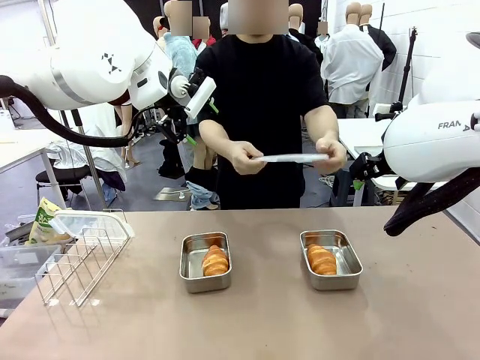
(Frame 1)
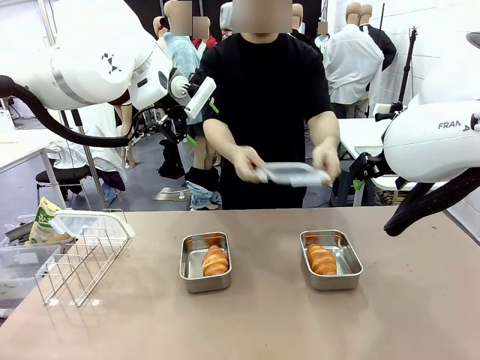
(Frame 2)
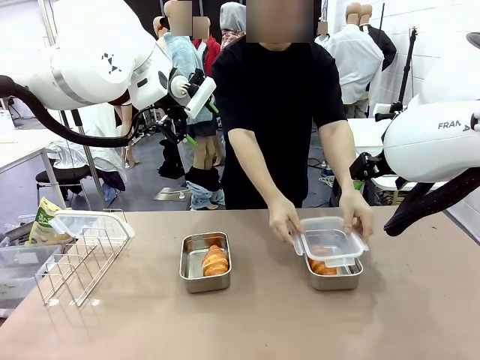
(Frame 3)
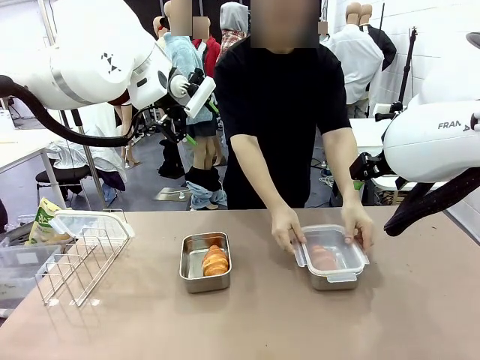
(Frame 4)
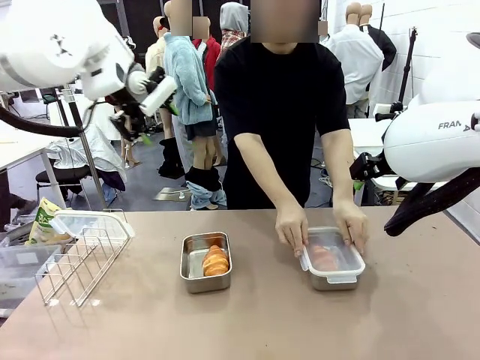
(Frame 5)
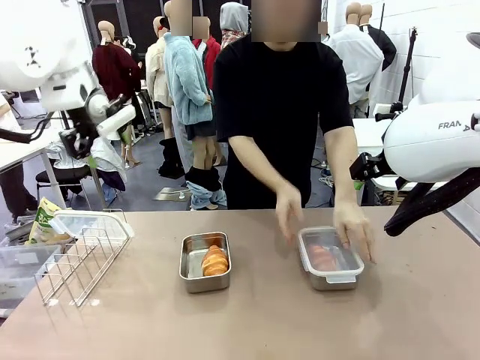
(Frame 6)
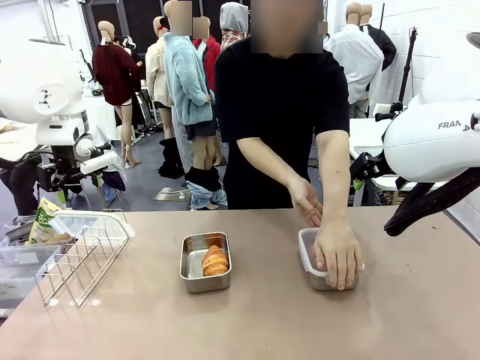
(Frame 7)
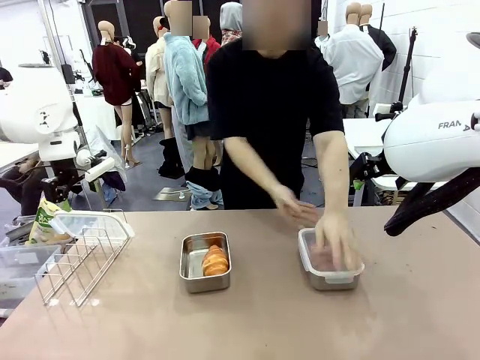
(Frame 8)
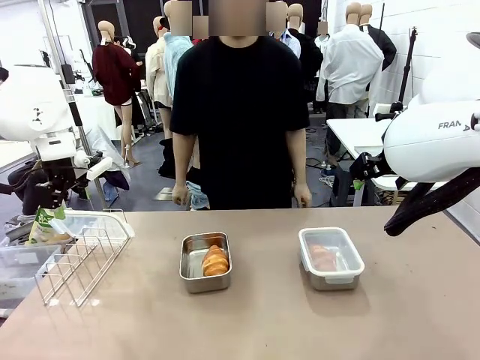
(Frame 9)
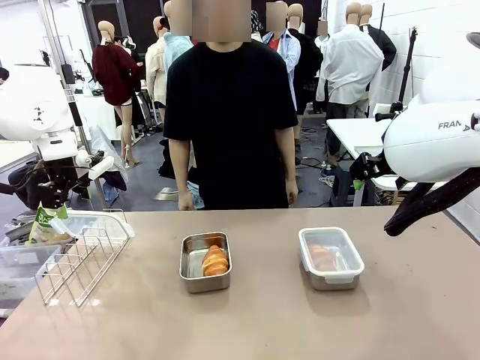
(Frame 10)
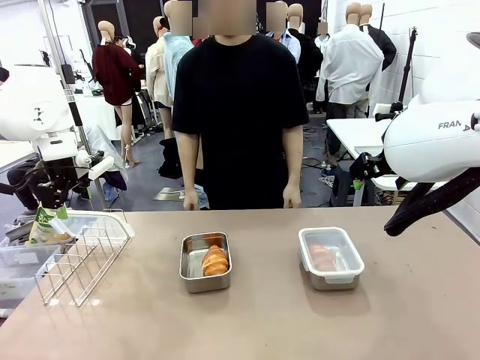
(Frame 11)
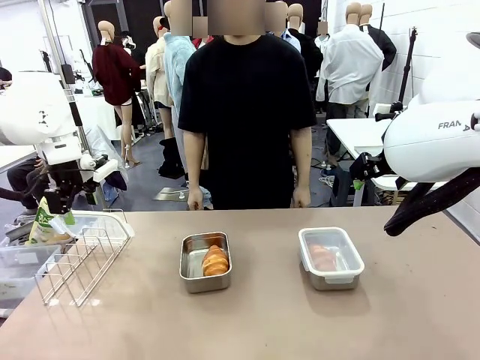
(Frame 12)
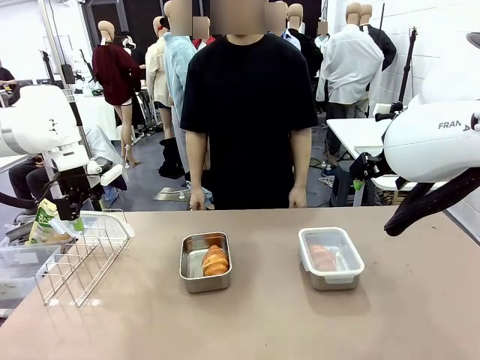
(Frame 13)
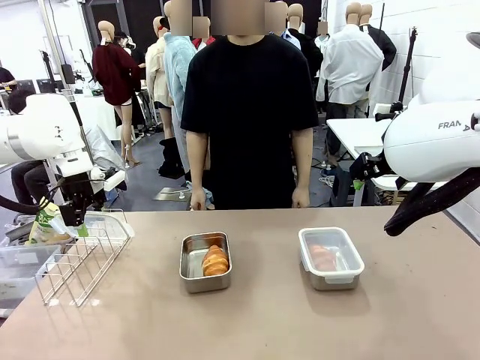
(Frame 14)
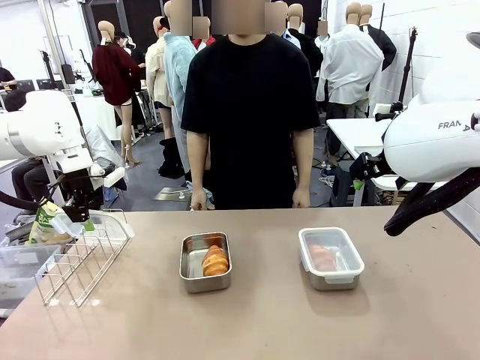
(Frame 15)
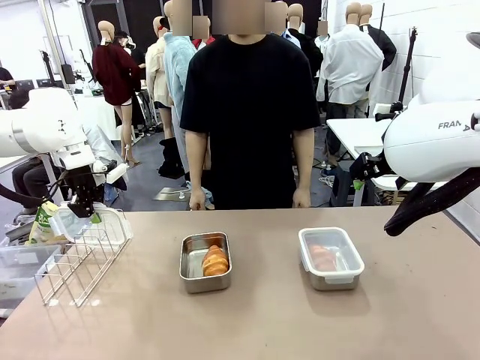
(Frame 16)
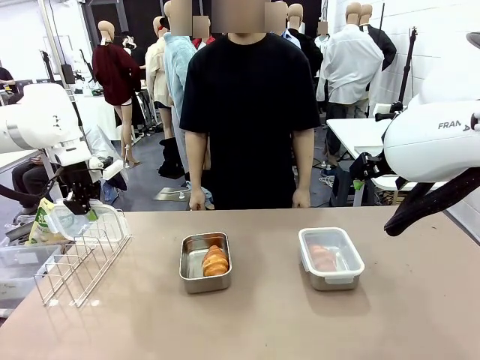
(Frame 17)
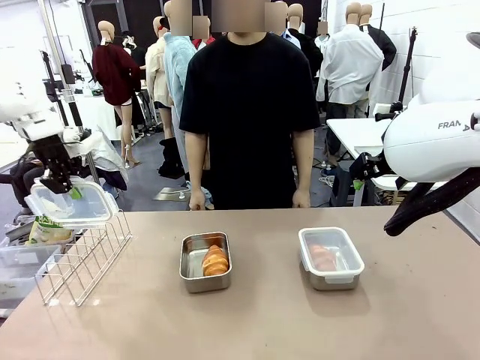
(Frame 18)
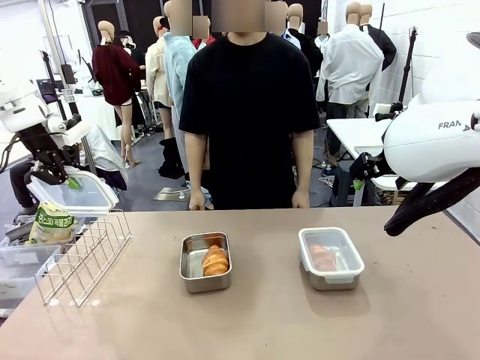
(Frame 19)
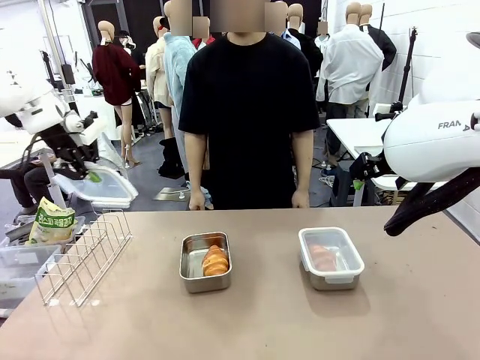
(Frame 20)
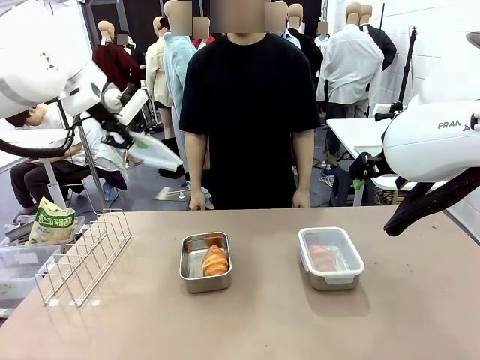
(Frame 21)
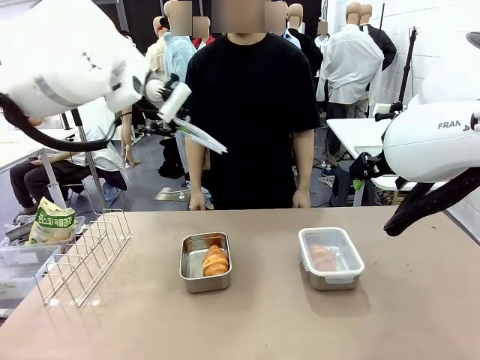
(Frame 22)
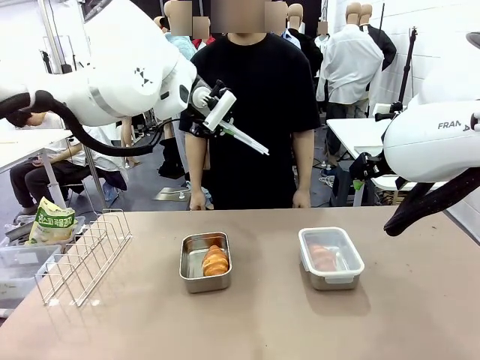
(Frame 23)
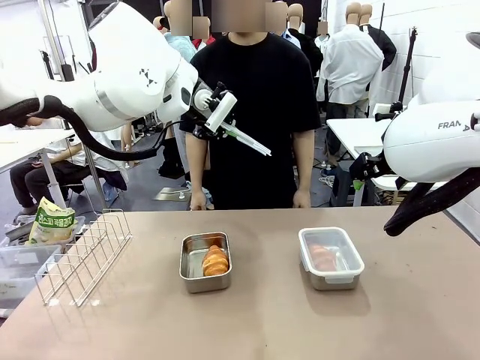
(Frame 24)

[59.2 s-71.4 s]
Task: Place the bread in airtight containers.
Robot: Pick up one Airtight Container lid and hand it to the human.
Person: Close Airtight Container with a handed Airtight Container lid. Grip Airtight Container lid that robot is handing.

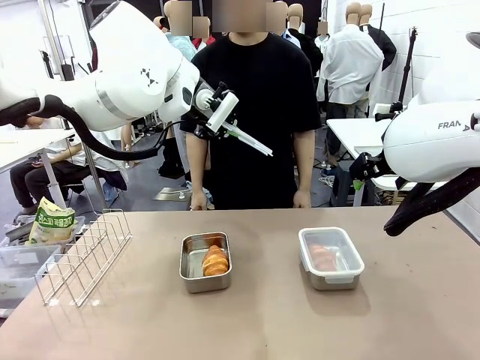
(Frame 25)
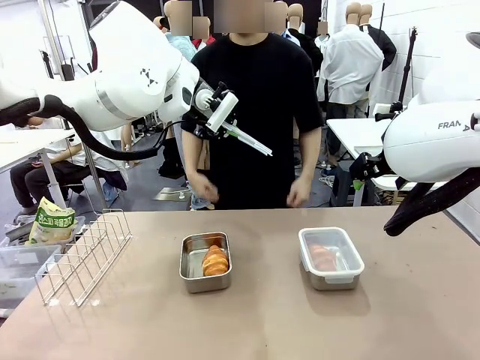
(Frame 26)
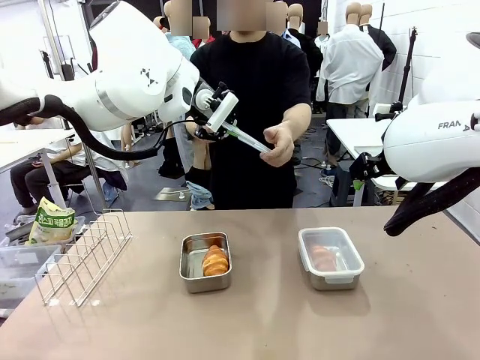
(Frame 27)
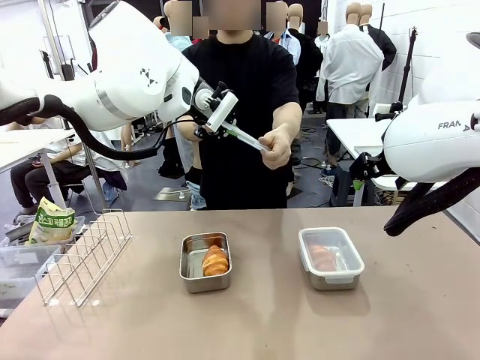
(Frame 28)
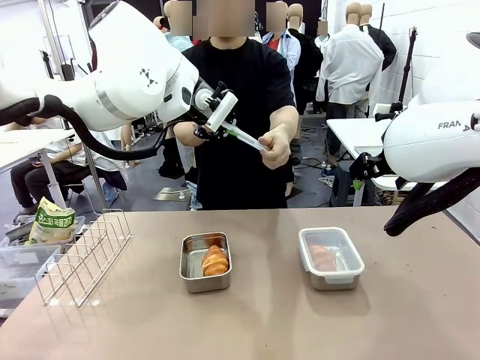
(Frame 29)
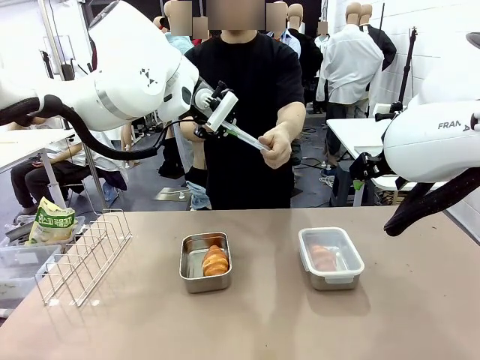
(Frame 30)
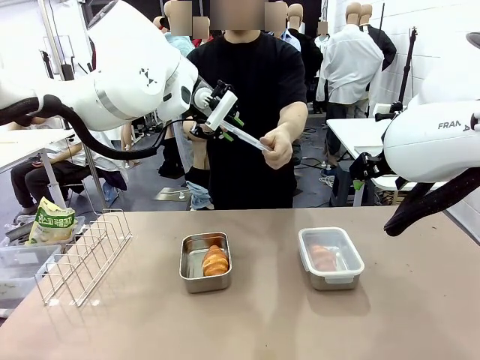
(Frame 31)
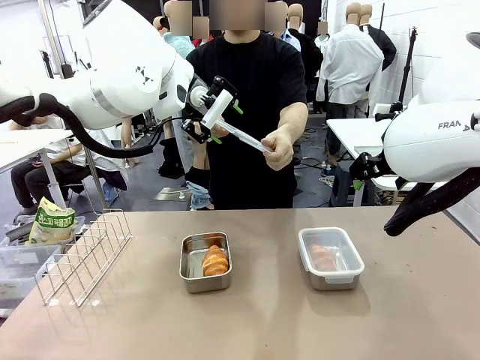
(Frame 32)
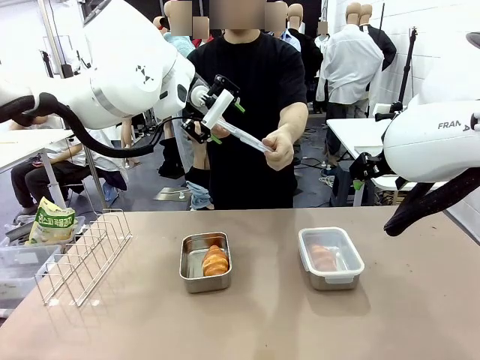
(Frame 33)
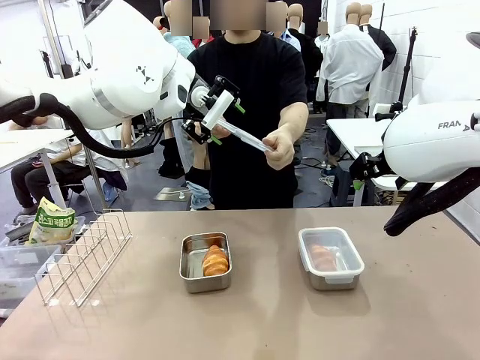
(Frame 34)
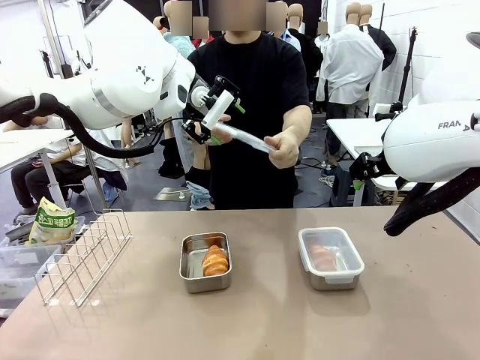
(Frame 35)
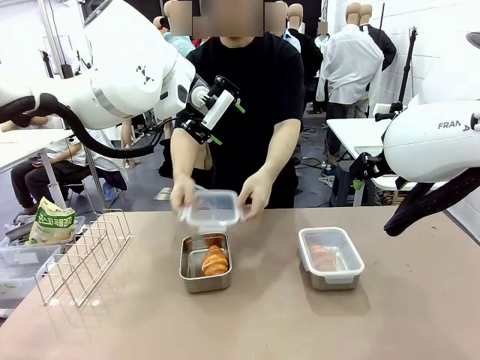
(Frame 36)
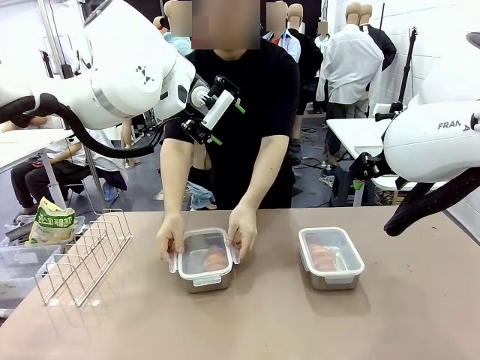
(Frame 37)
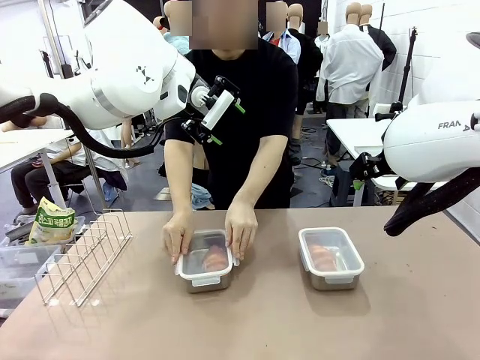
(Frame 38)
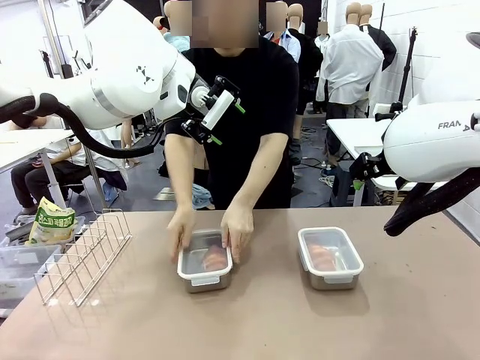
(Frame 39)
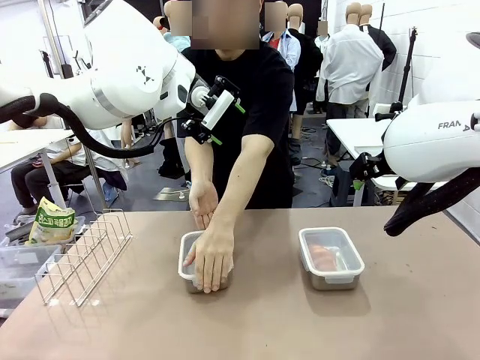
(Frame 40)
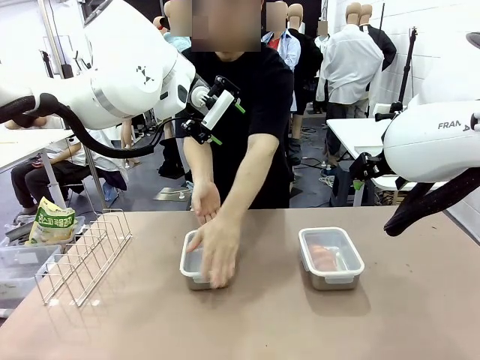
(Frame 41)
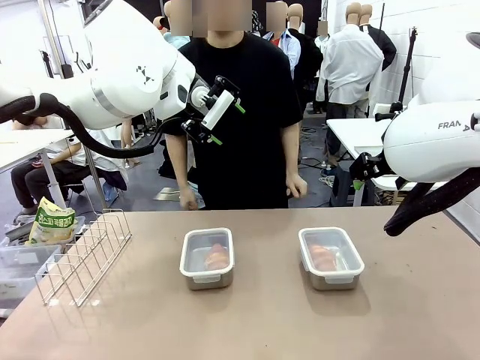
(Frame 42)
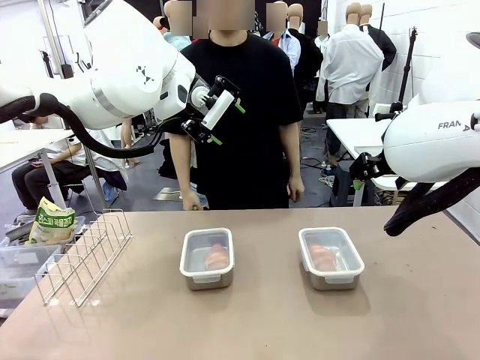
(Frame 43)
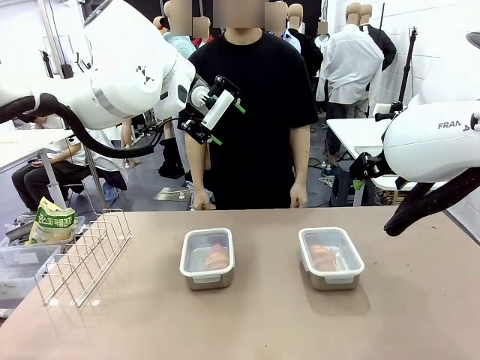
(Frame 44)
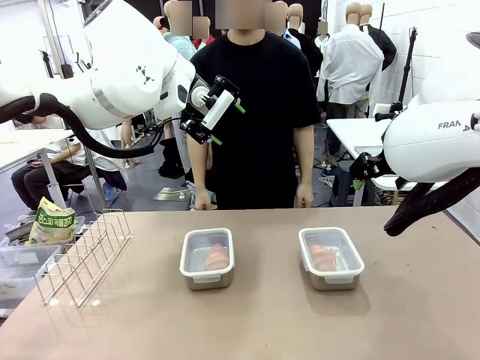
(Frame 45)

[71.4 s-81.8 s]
Robot: Release when the human grabs the Airtight Container lid.
Person: Close Airtight Container with a handed Airtight Container lid.

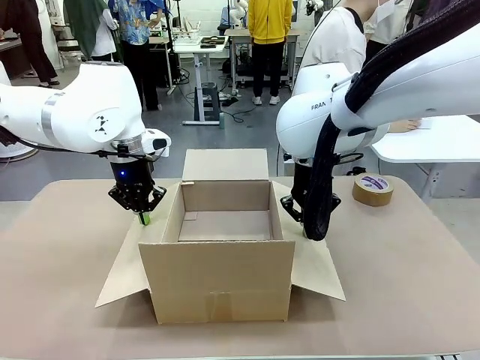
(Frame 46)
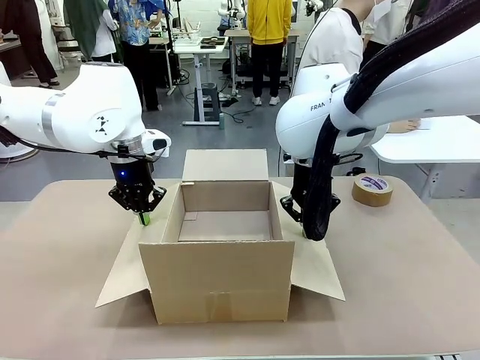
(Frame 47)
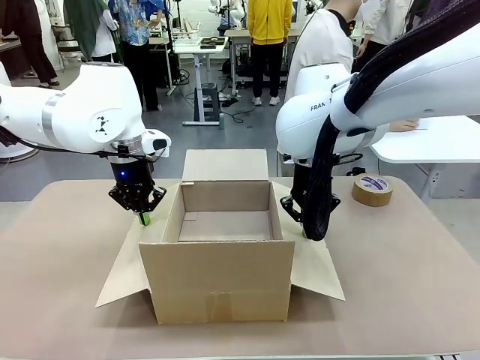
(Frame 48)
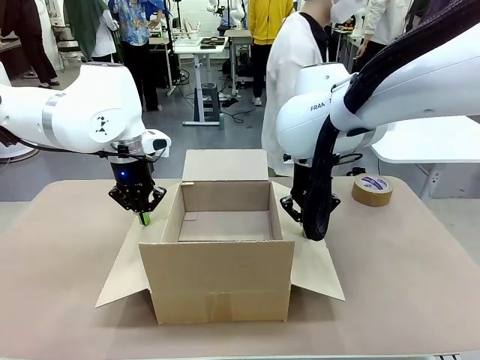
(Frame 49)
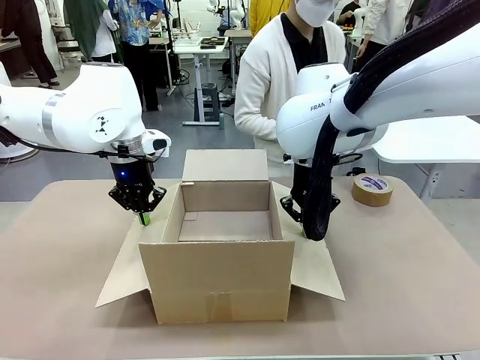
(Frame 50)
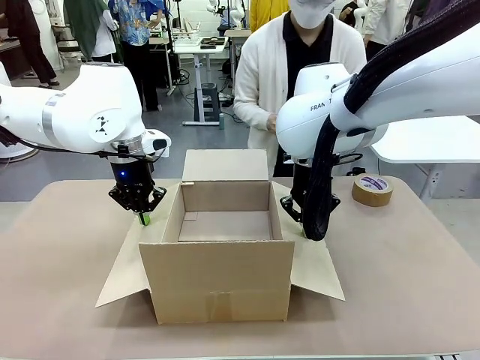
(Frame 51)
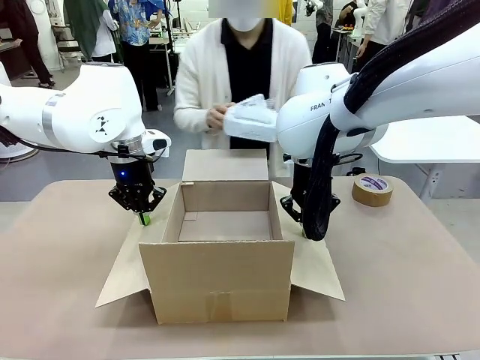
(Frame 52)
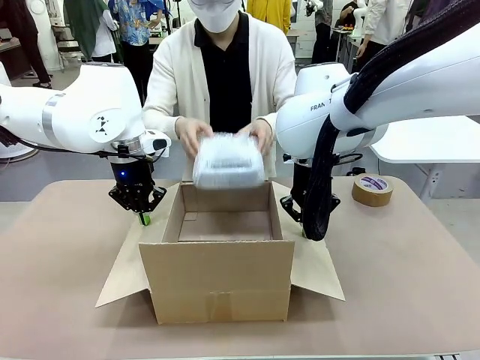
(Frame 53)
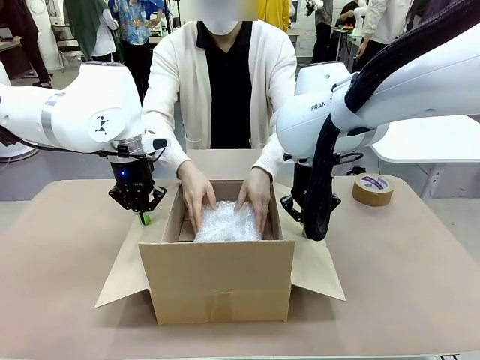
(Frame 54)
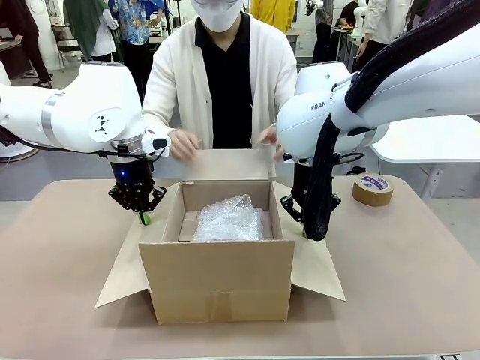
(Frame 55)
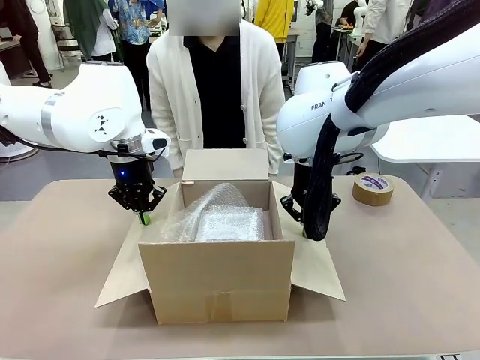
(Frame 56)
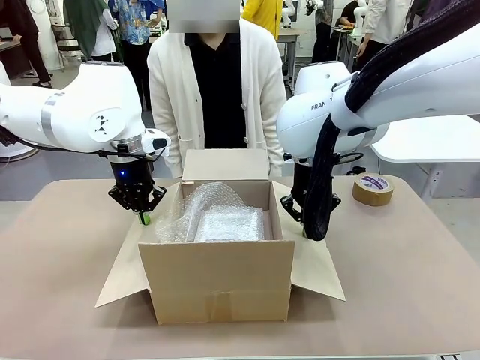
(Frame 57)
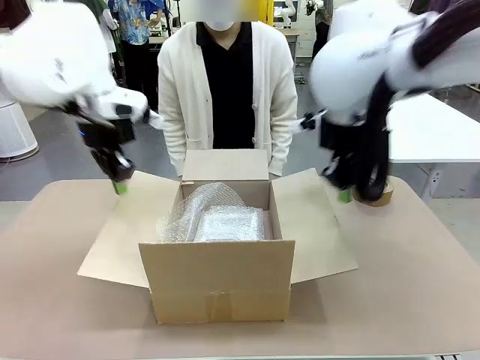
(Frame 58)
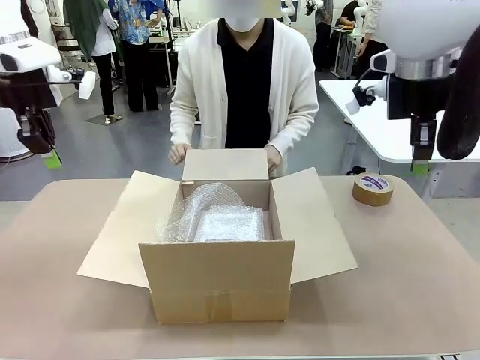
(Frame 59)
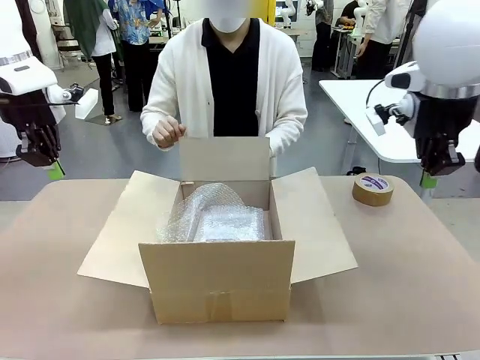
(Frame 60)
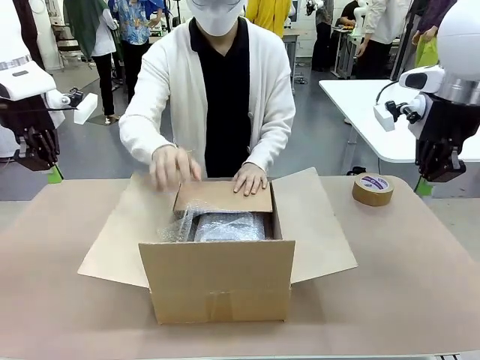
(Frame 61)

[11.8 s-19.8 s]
Task: Wrap the clocks to prevent damage.
Robot: Once the human has placed the objects inside and stepped back, release both hands from the side flaps of the Package Box.
Person: Place the wrapped Digital clocks inside the Package Box. Hold the top and bottom flaps of the Package Box closed with your left (or right) hand.
